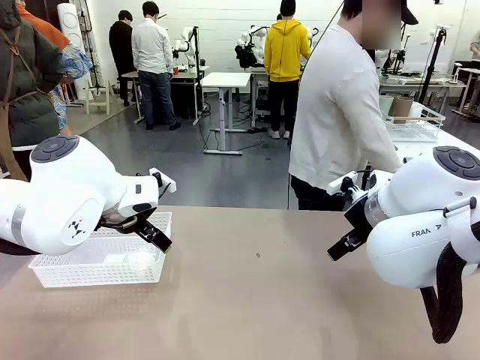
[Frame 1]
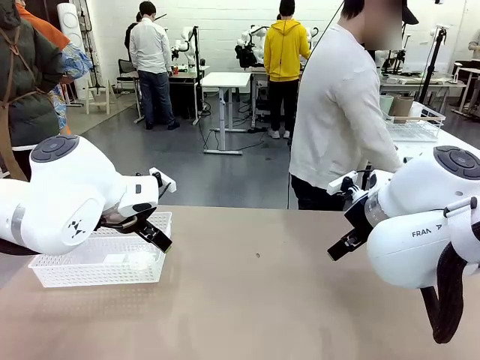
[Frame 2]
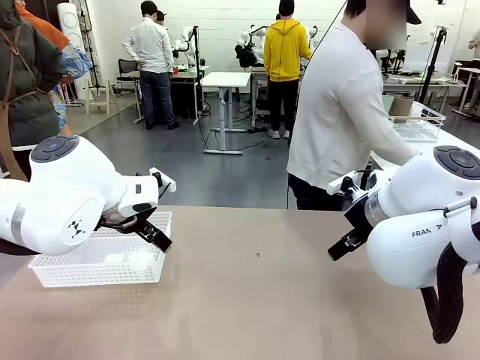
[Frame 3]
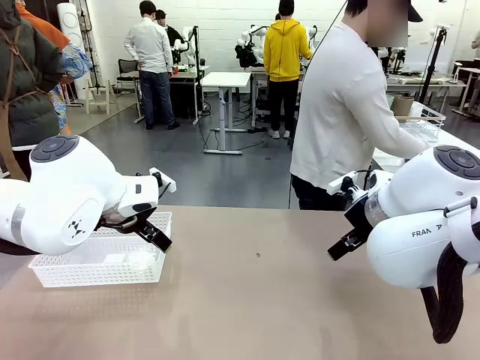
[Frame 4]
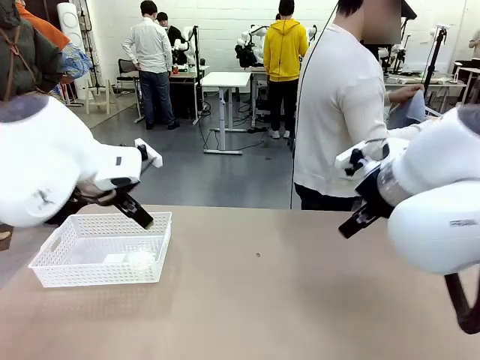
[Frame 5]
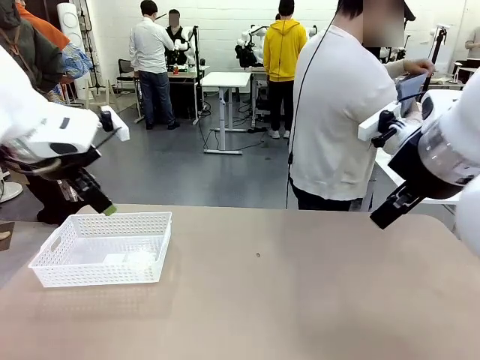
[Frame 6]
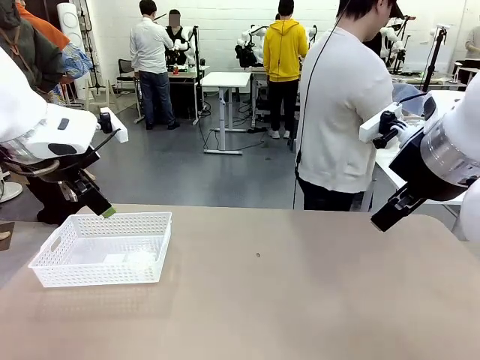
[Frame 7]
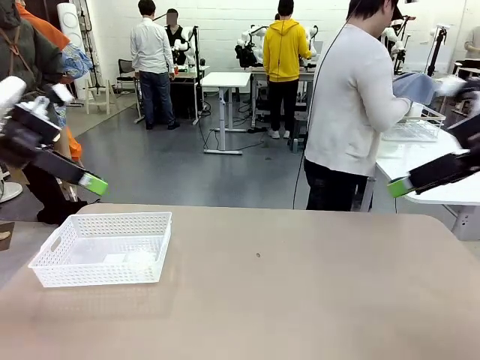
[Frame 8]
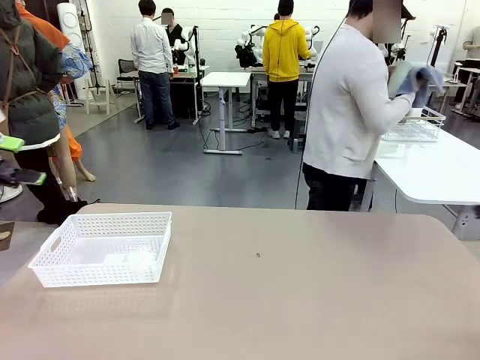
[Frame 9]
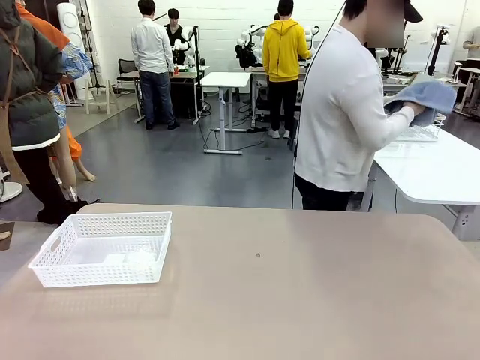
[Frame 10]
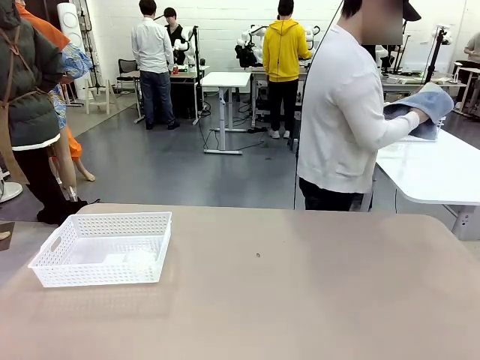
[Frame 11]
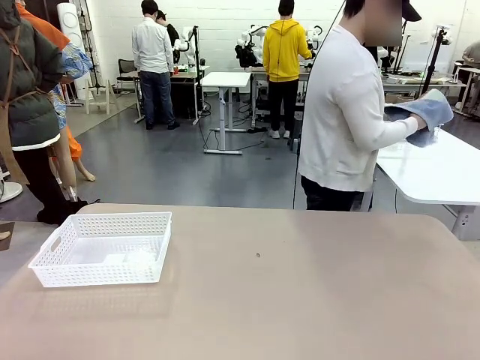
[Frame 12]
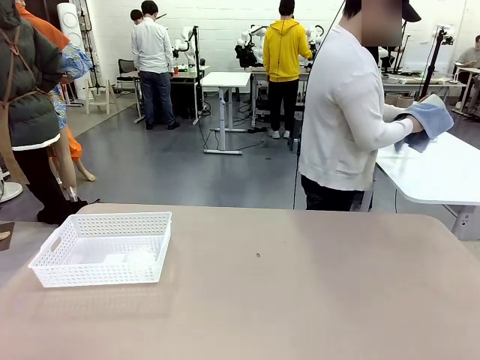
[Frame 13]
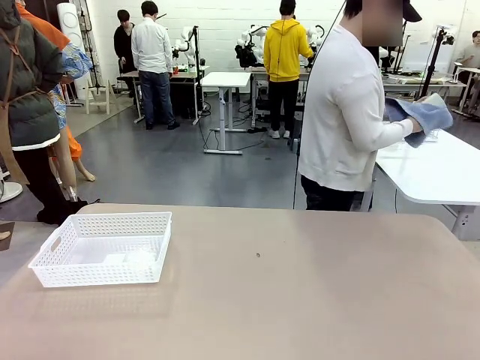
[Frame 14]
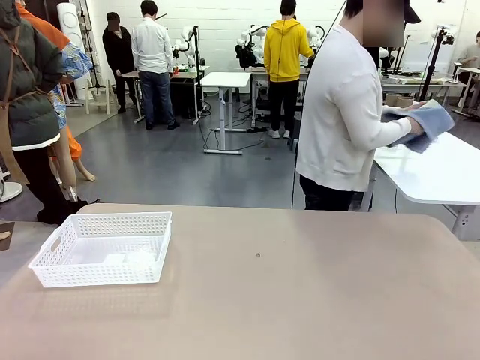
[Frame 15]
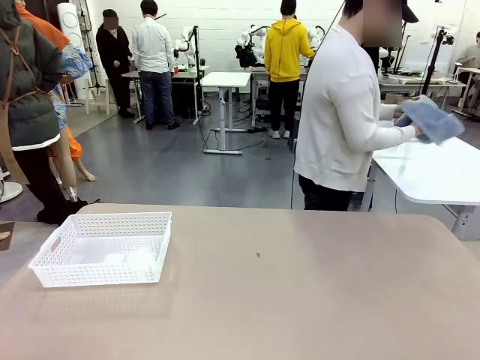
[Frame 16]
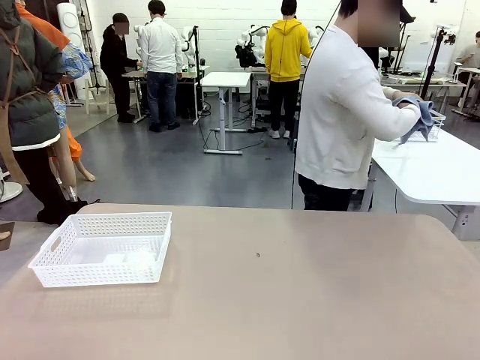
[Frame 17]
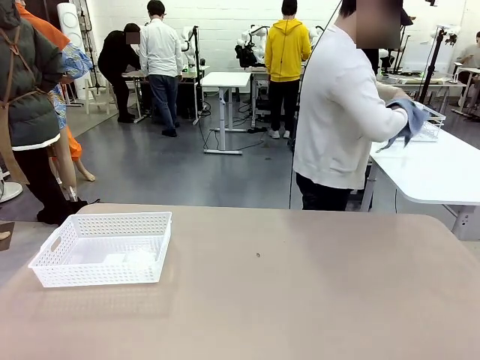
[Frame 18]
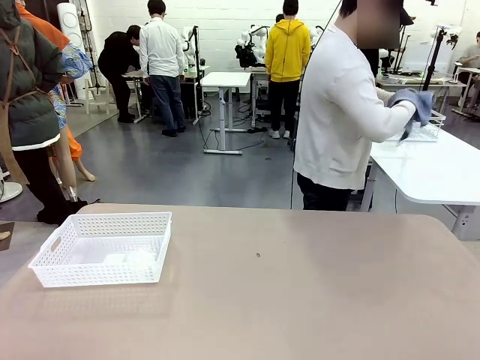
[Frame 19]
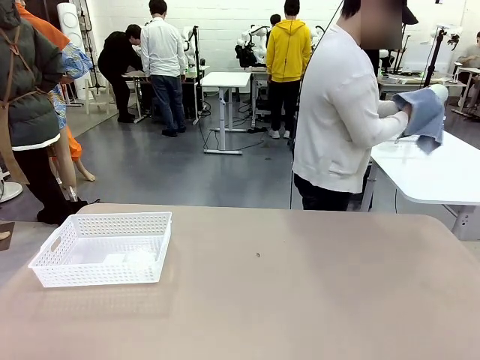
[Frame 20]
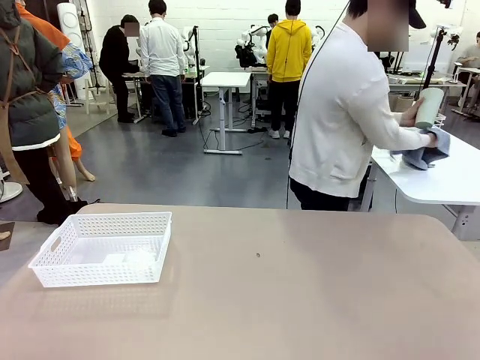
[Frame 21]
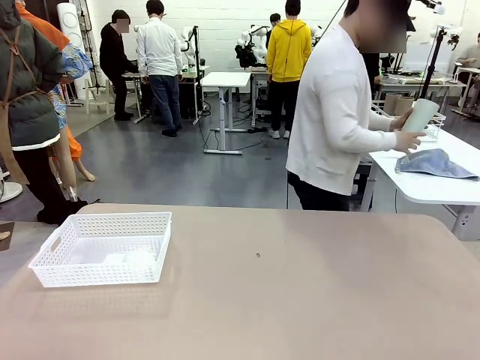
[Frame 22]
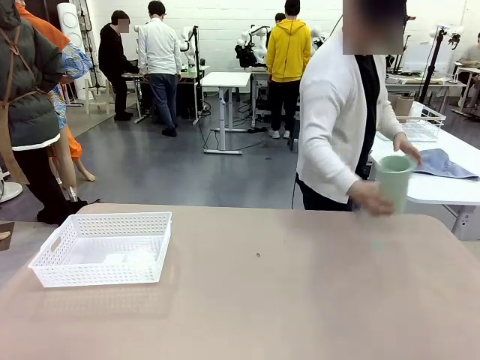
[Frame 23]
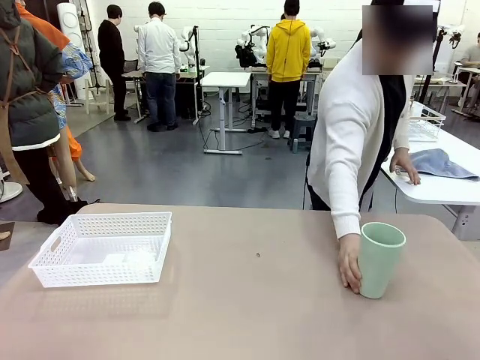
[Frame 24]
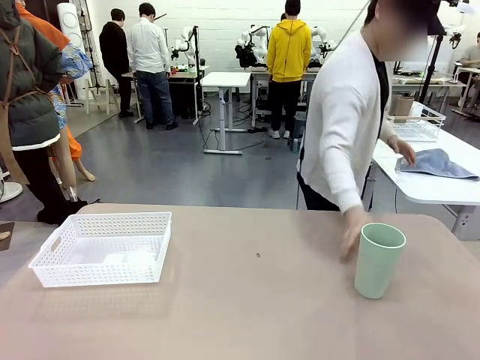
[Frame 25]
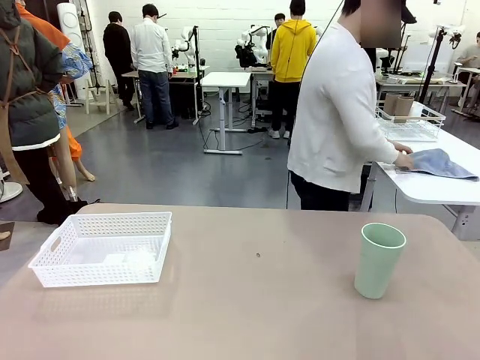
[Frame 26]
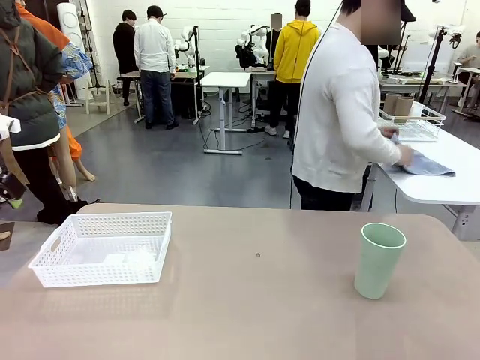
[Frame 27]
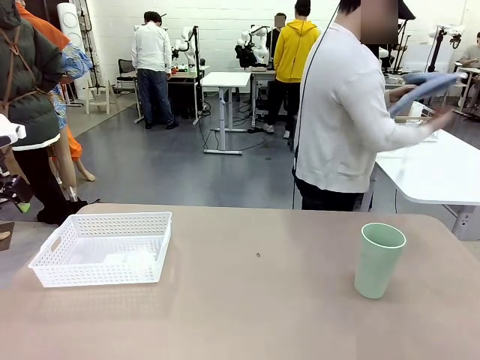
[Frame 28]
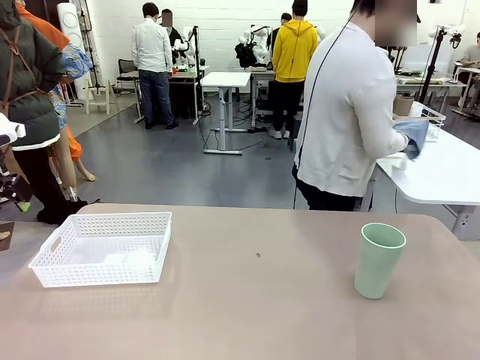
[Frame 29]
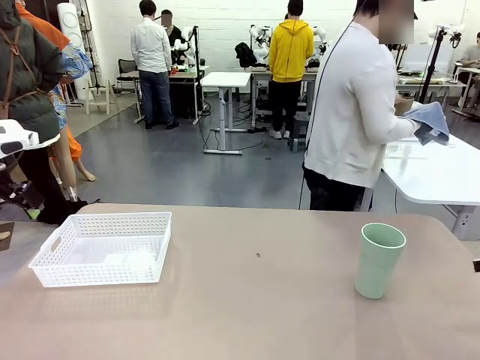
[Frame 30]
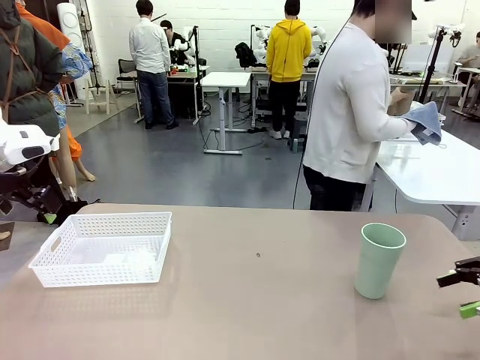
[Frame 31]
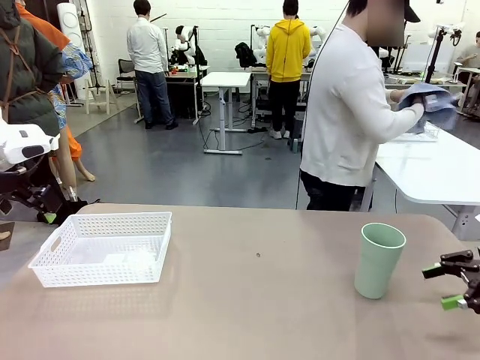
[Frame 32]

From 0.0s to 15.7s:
Task: Clean and organize the cups into the basket.
Robot: Pick up the Organizing basket and move it to the center of the table, then pick up the Reusable plastic cup from the right side of the table and place it inside the Organizing basket.
Person: Picks up a cup and a towel, cleans the cup with the towel, and places it on the left side of the robot table.

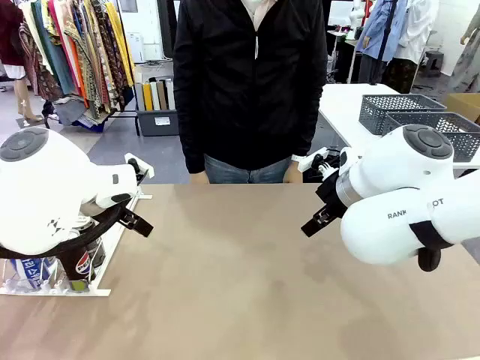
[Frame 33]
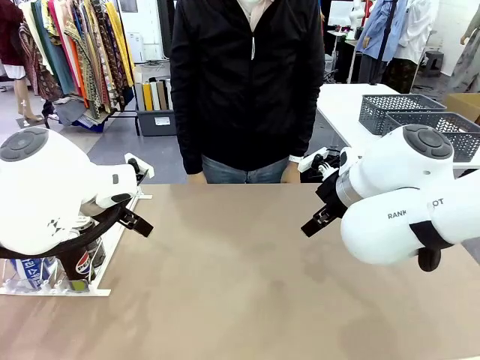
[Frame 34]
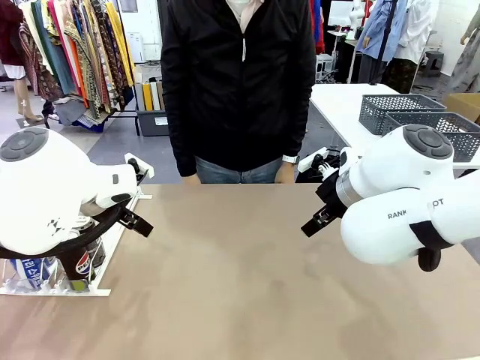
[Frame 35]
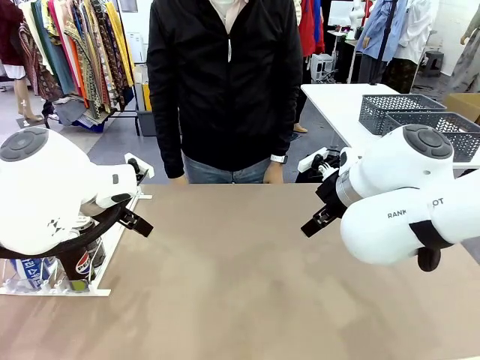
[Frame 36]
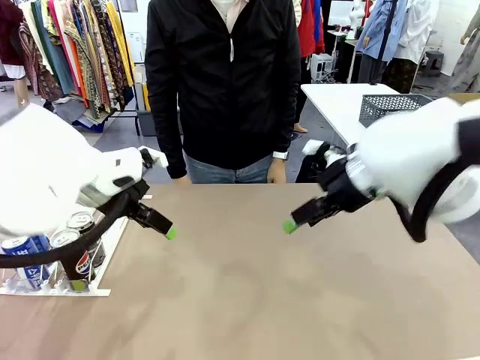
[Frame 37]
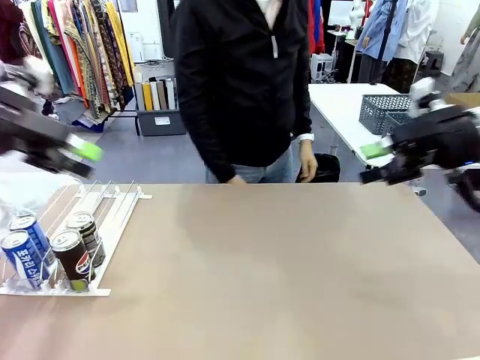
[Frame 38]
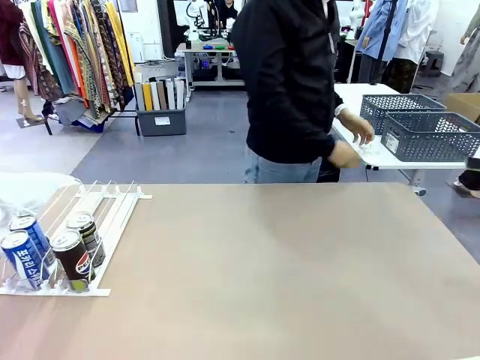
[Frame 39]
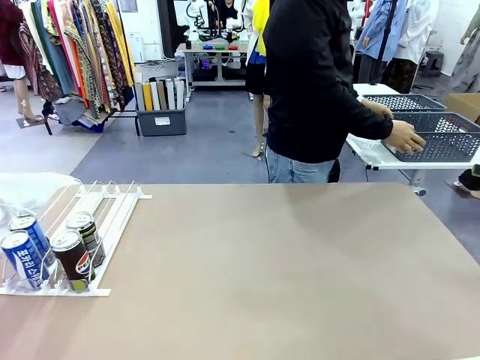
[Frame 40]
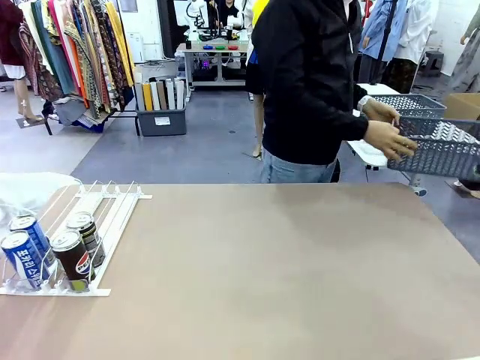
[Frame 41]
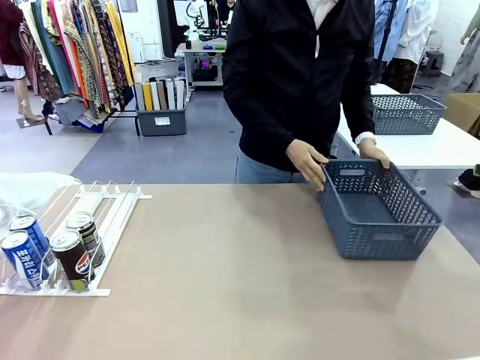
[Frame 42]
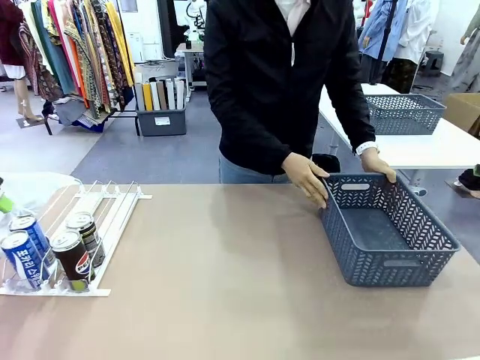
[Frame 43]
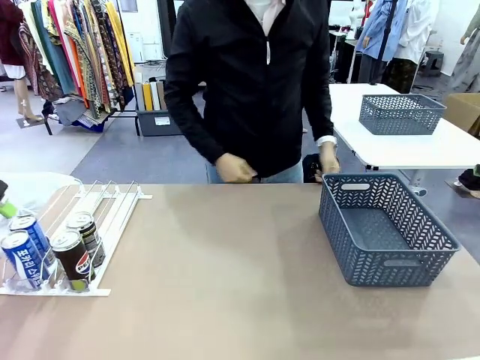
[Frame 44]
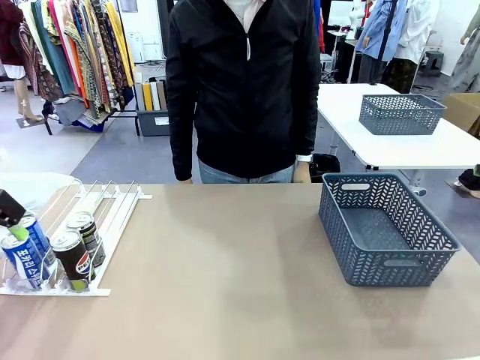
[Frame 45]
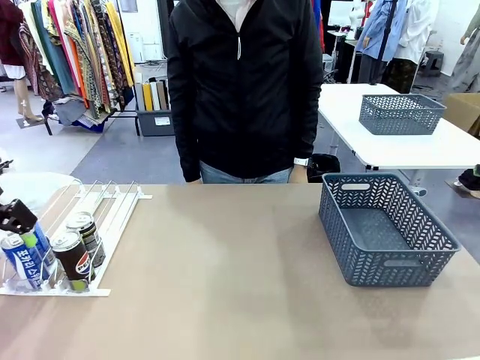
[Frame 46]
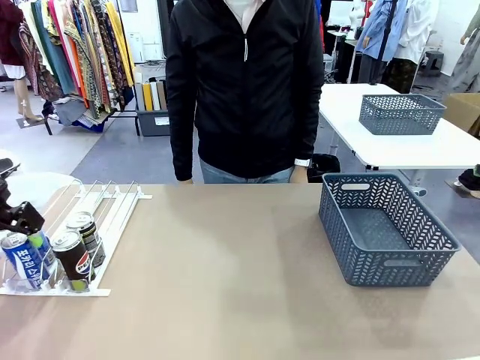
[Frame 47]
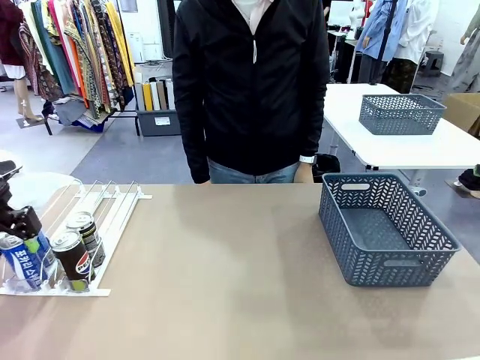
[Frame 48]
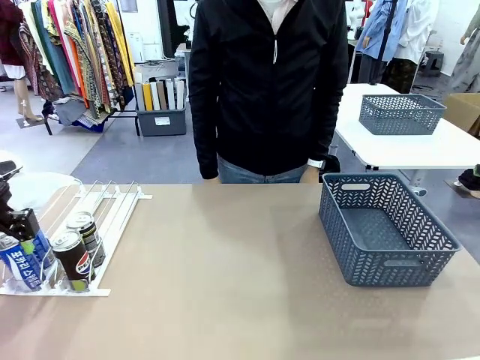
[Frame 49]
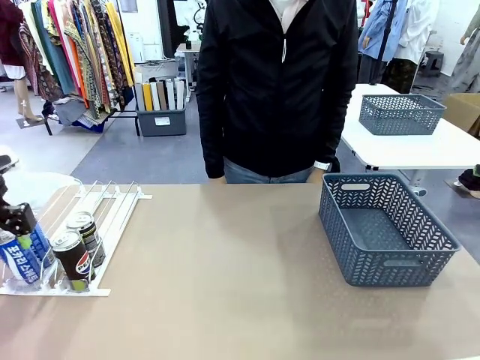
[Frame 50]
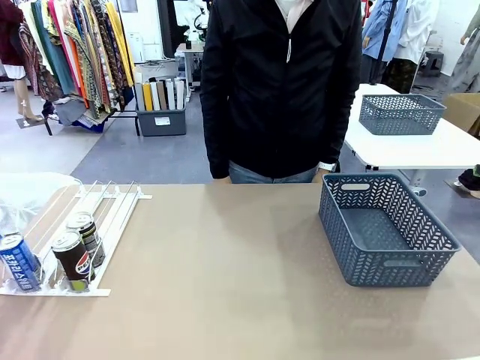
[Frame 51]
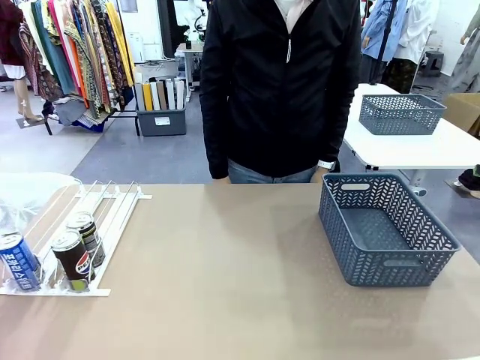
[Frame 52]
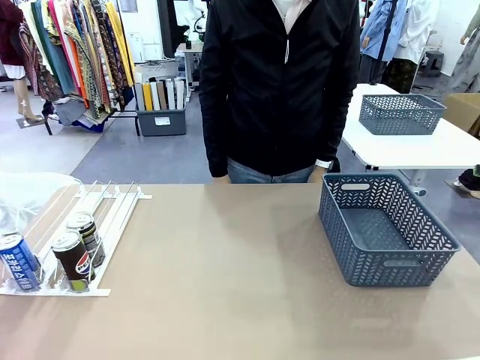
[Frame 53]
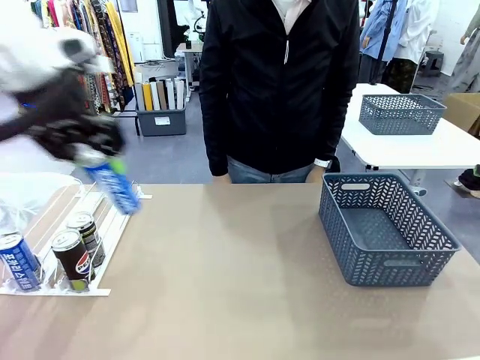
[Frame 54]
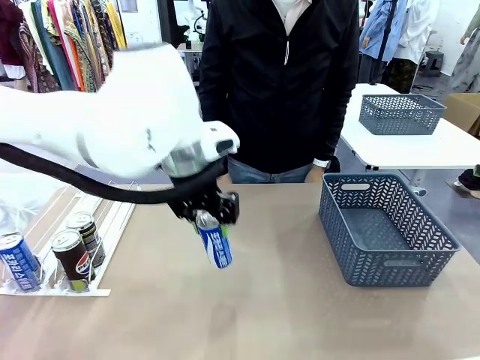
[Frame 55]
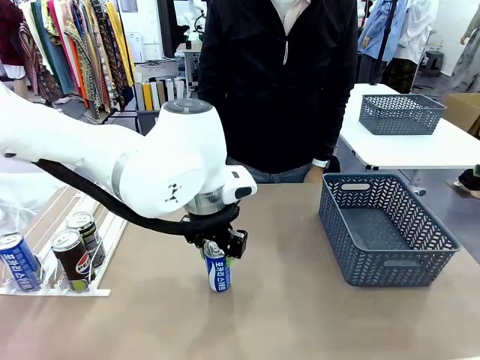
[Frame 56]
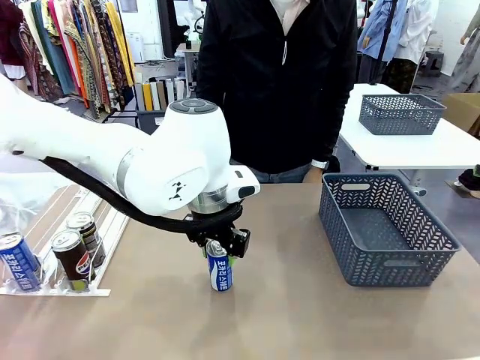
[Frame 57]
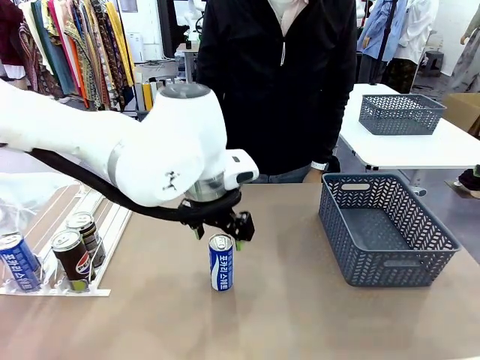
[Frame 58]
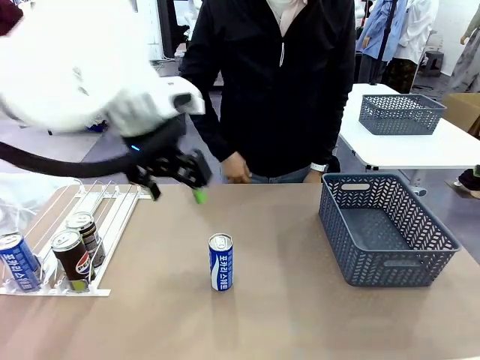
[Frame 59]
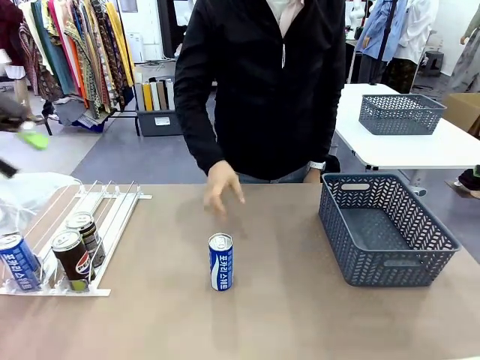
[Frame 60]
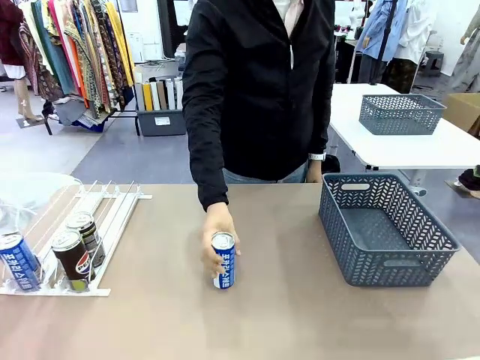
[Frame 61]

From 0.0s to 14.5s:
Task: Retrieve and store the cans from the dispenser.
Robot: Pick up one can from the Automatic Can Dispenser and place it in the middle of the table.
Person: Pick up the basket and place it on the left side of the robot table.
